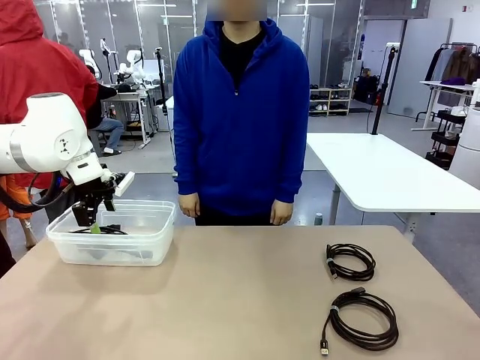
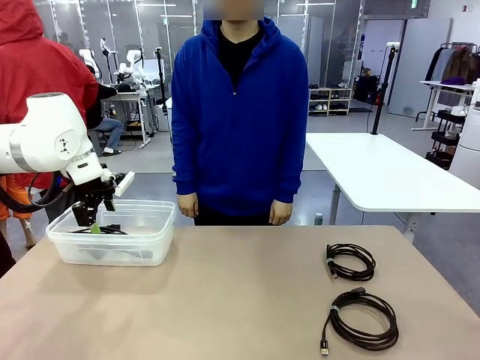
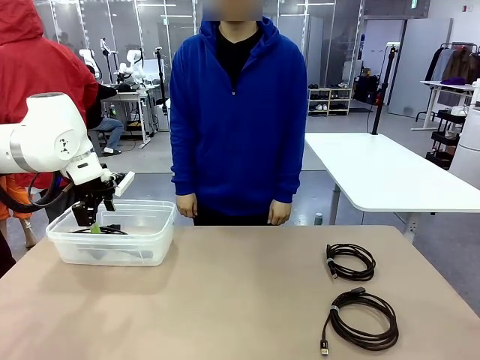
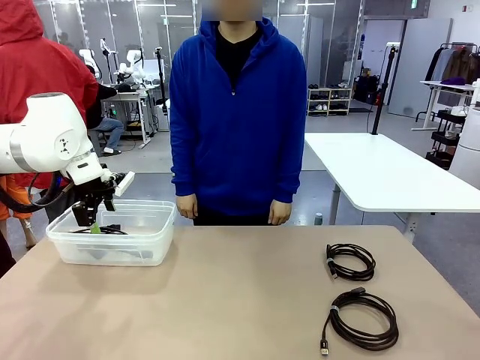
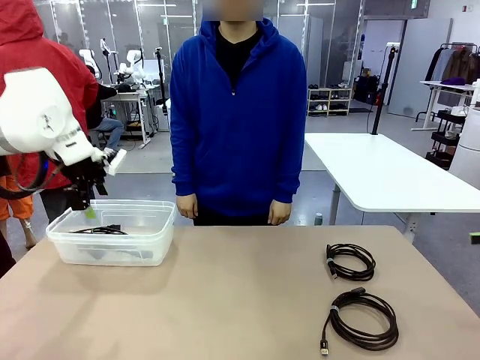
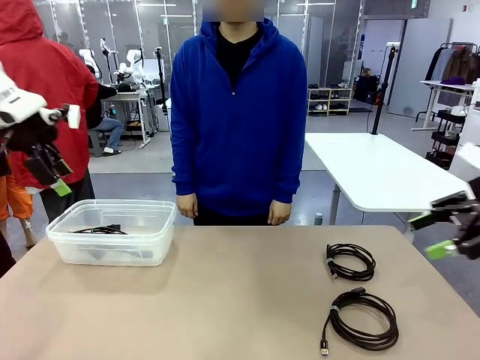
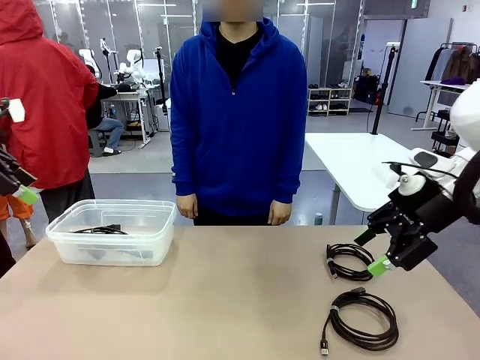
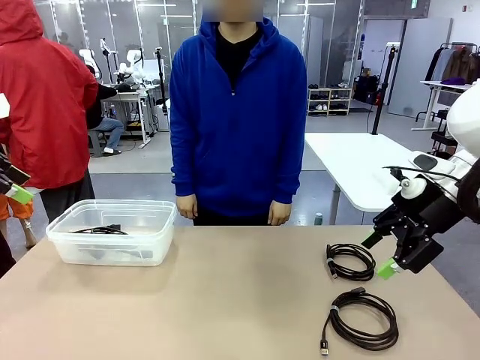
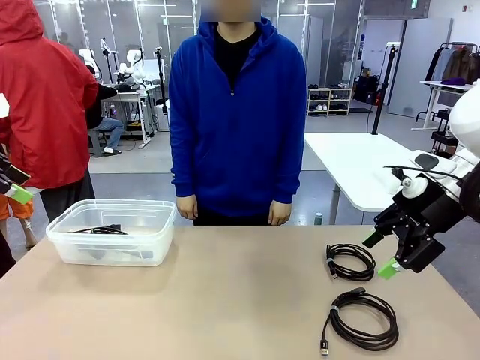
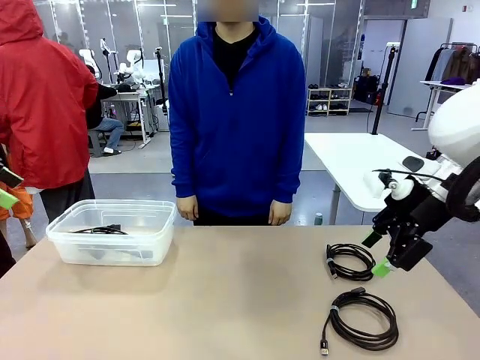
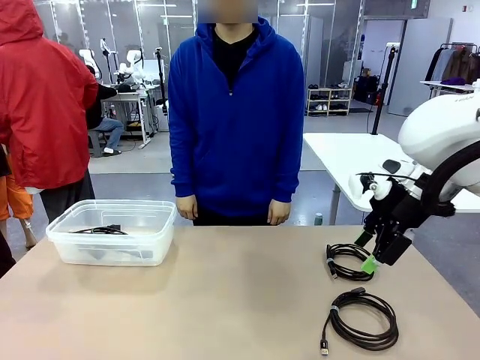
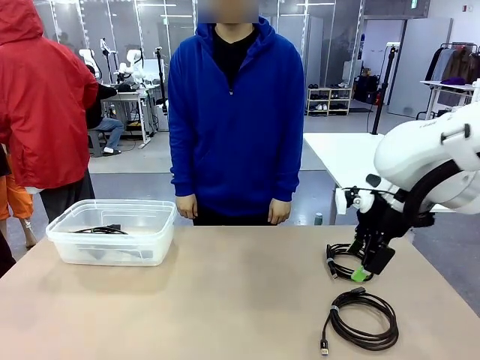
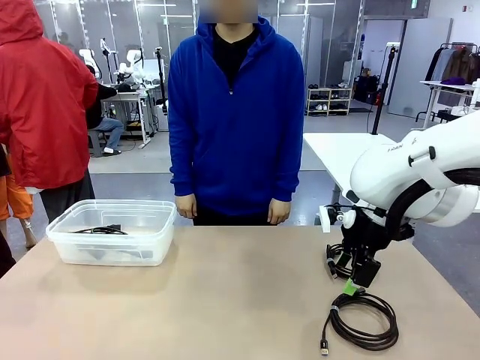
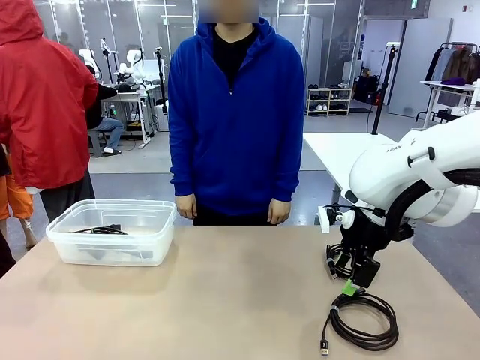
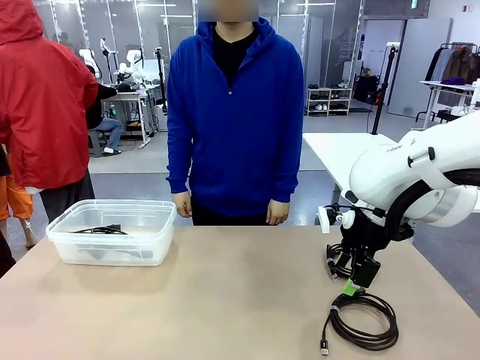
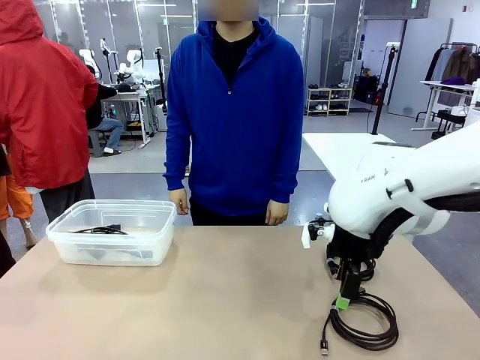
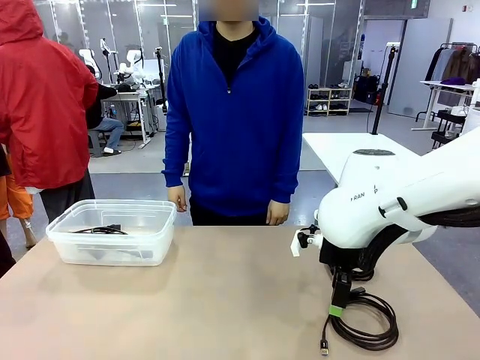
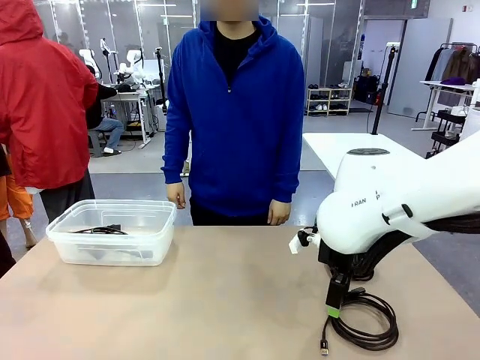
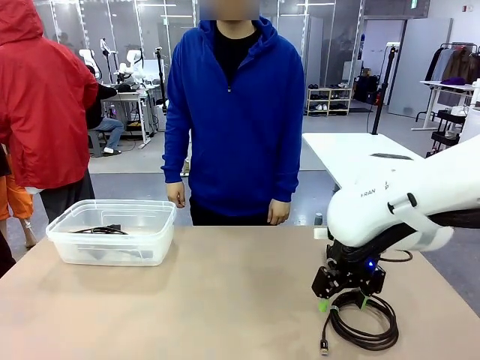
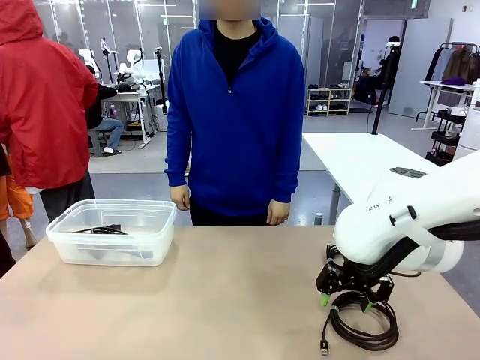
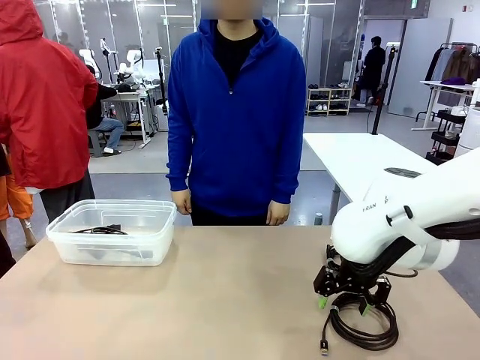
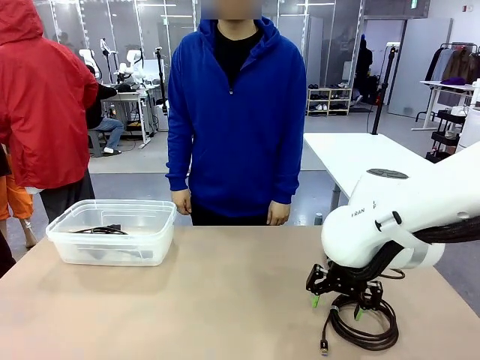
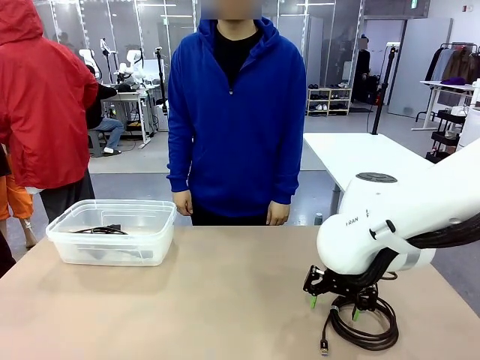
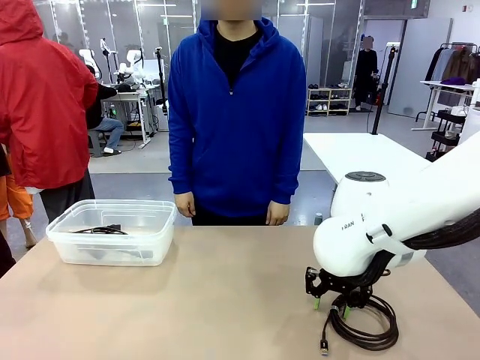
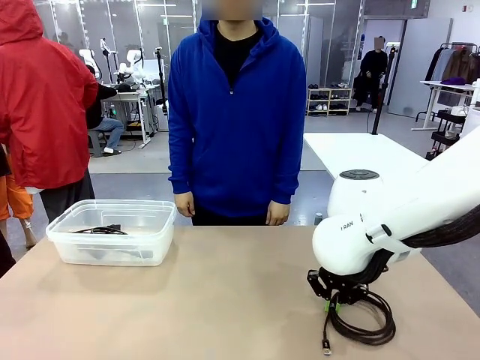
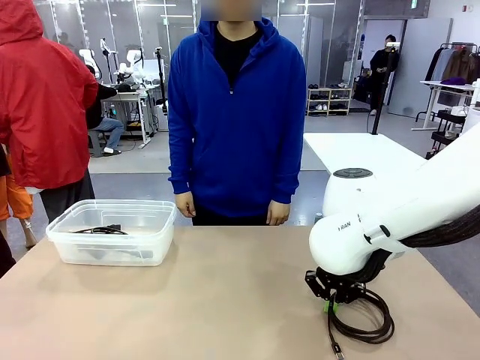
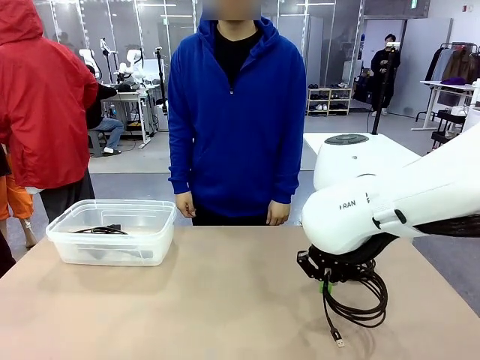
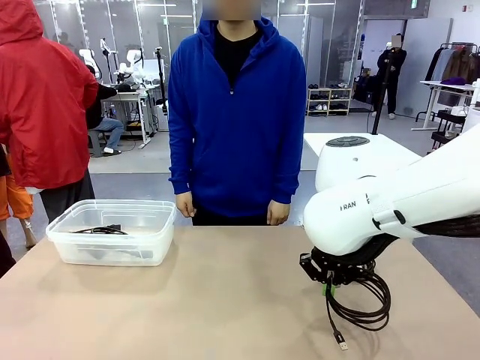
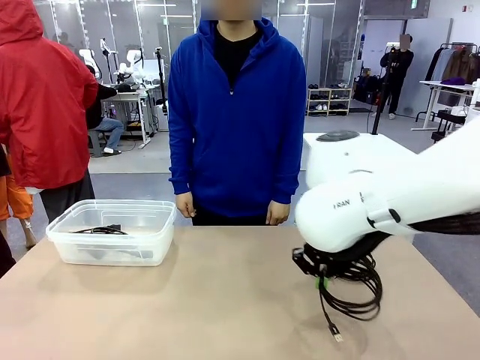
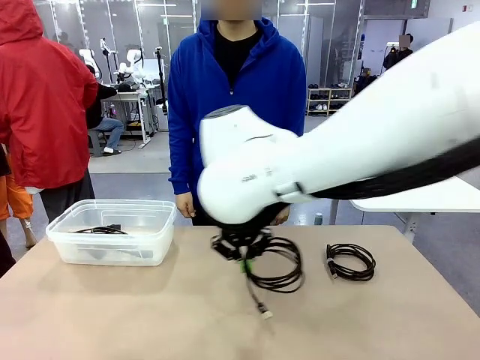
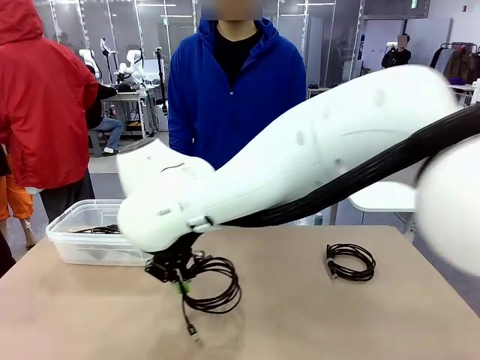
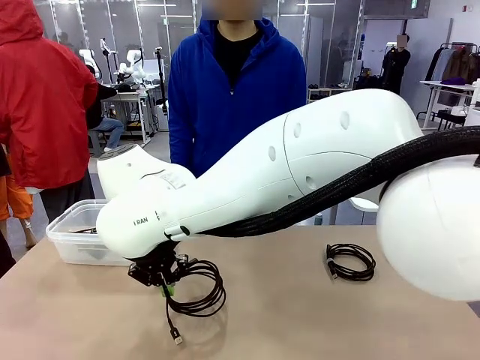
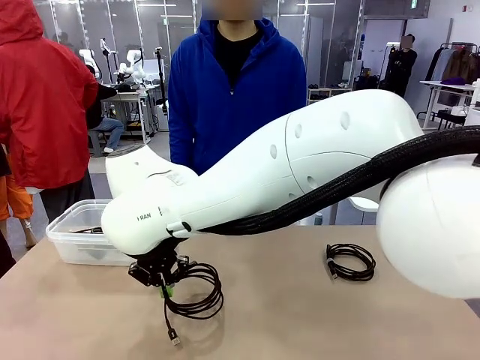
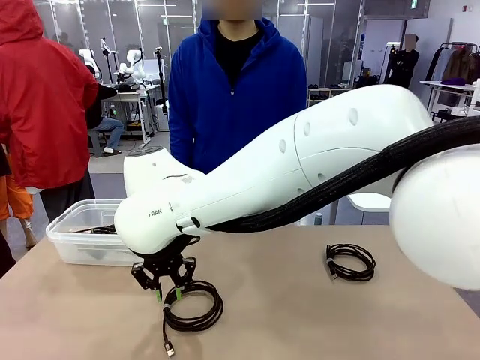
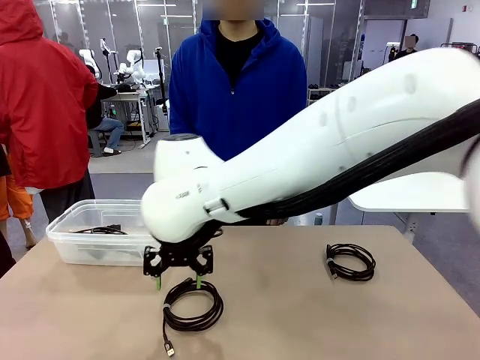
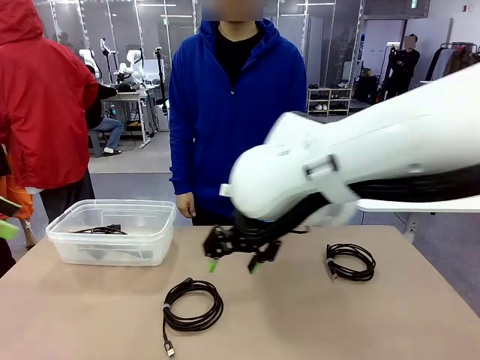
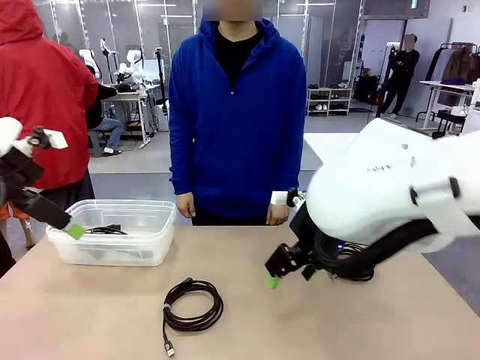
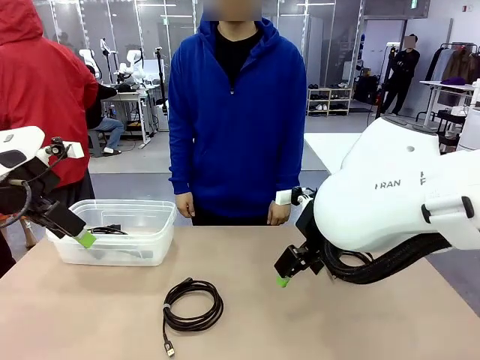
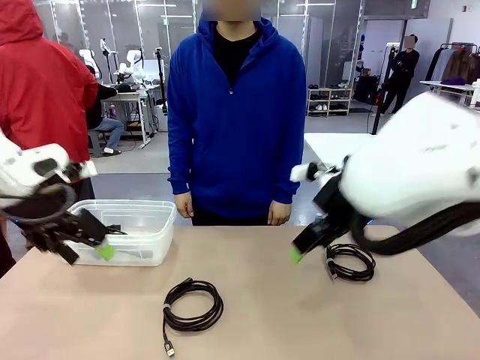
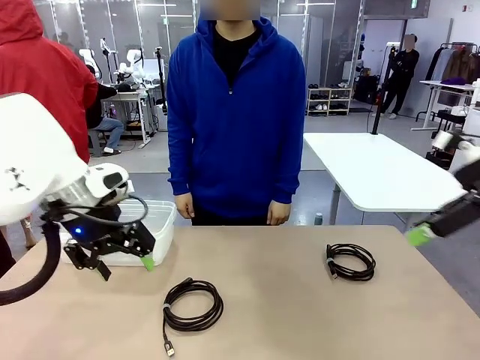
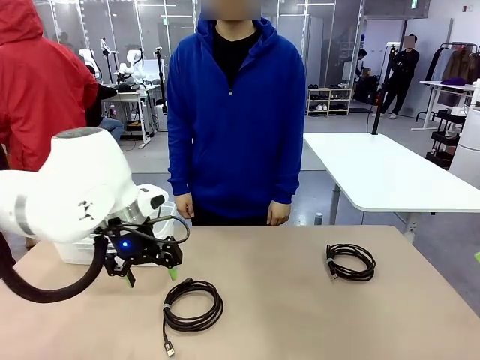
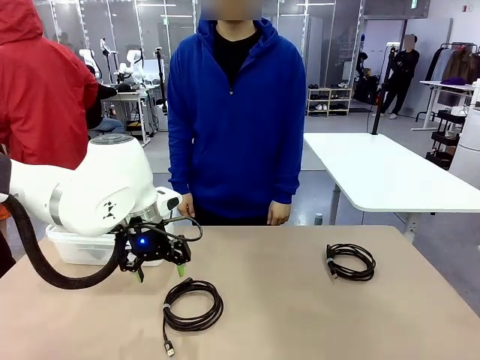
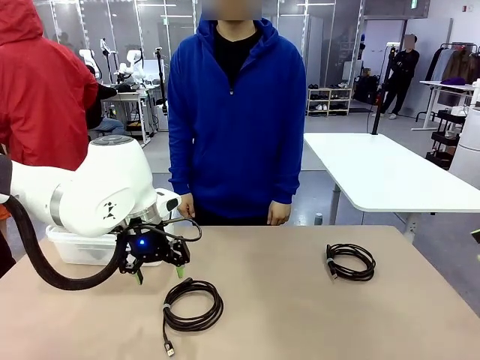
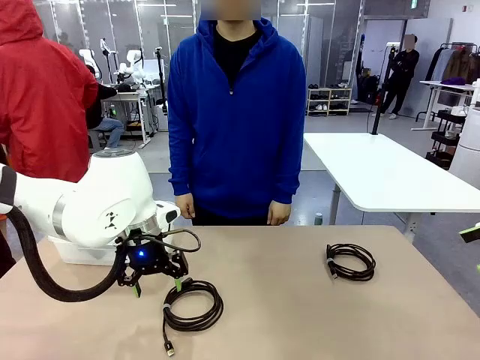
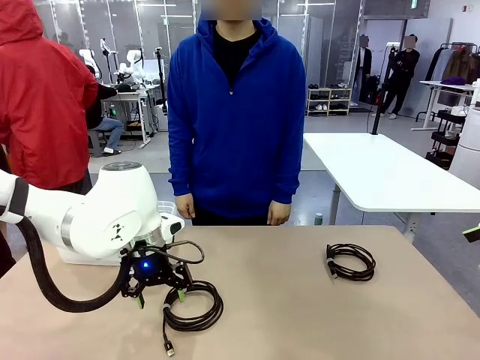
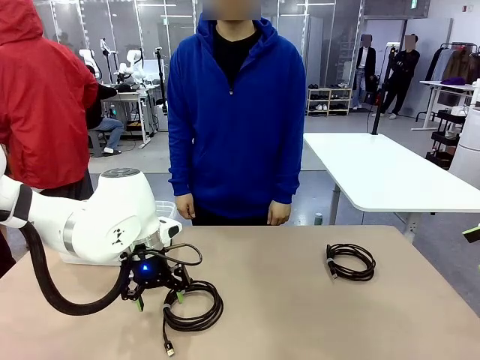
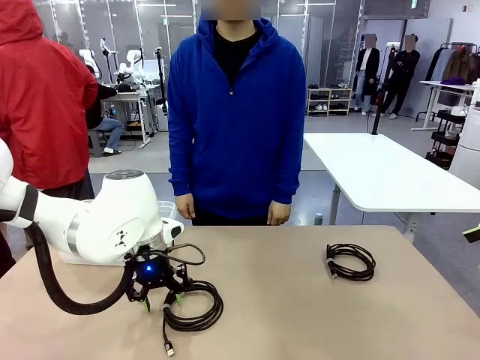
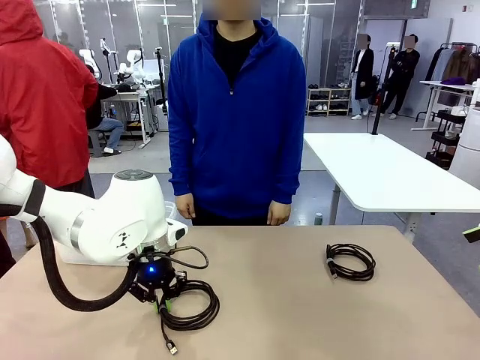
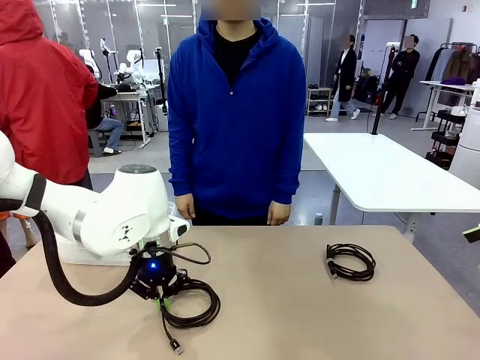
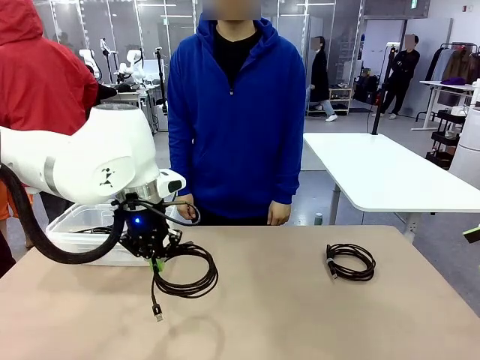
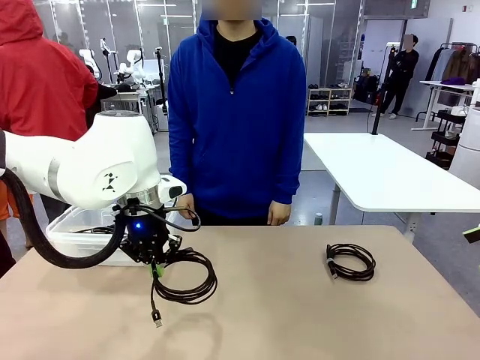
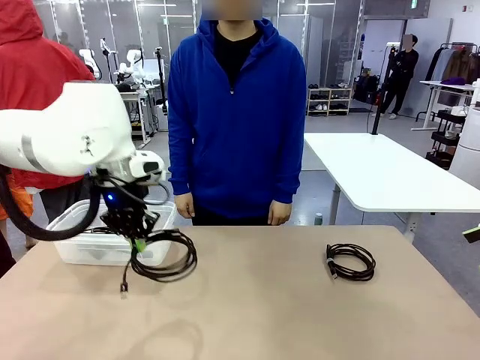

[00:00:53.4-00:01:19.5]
Task: Organize and store the cables.
Robot: Place the USB Extension Cable into the Organizing box.

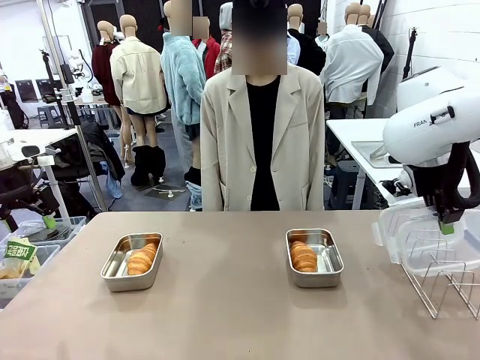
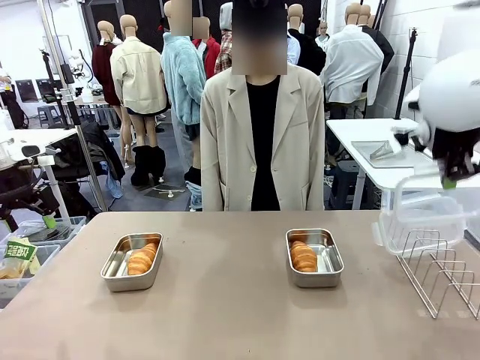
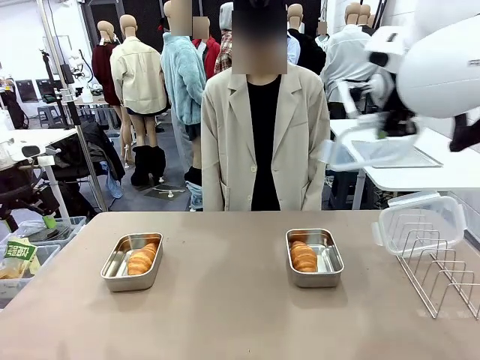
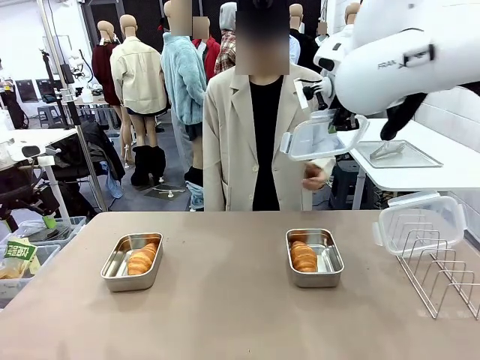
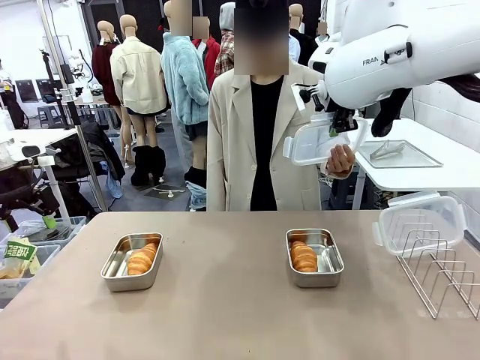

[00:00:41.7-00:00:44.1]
Task: Place the bread in airtight containers.
Robot: Release when the human grabs the Airtight Container lid.
